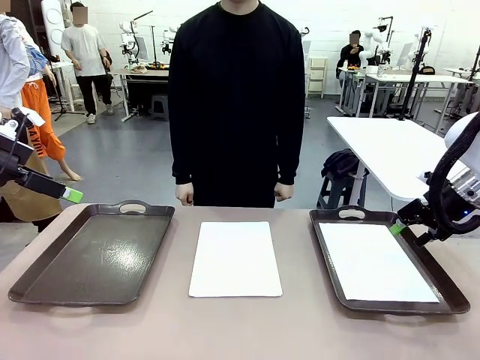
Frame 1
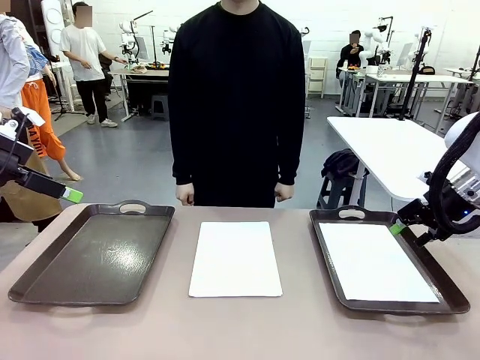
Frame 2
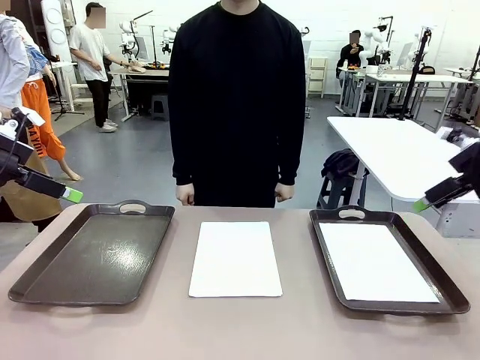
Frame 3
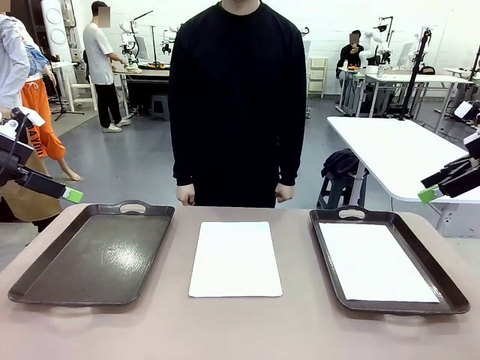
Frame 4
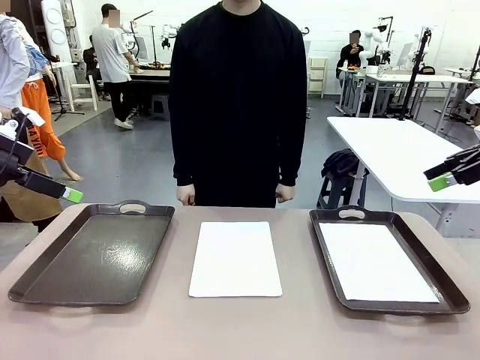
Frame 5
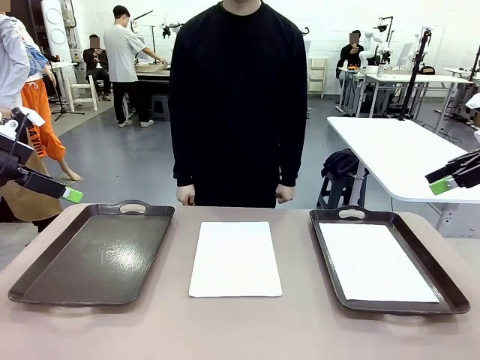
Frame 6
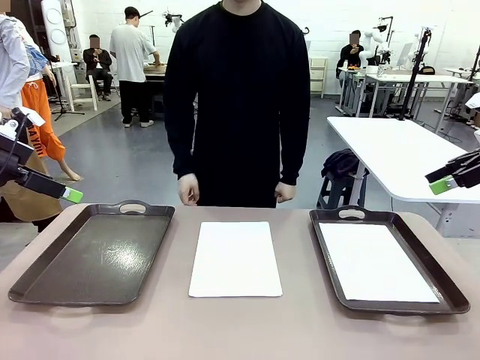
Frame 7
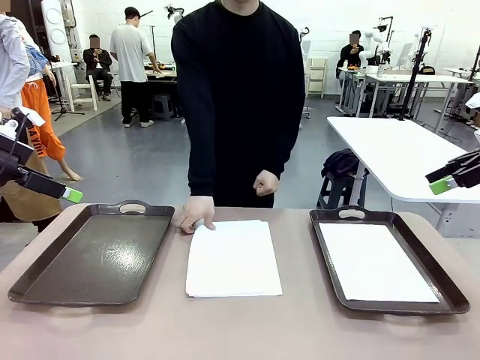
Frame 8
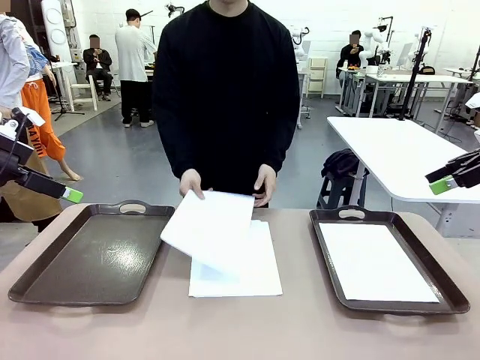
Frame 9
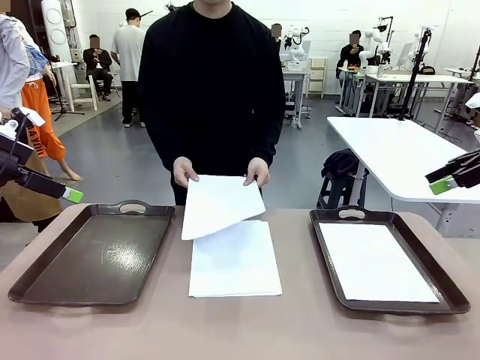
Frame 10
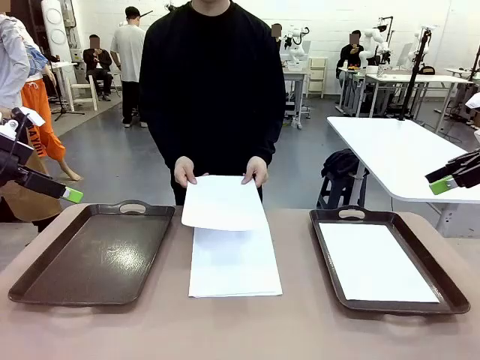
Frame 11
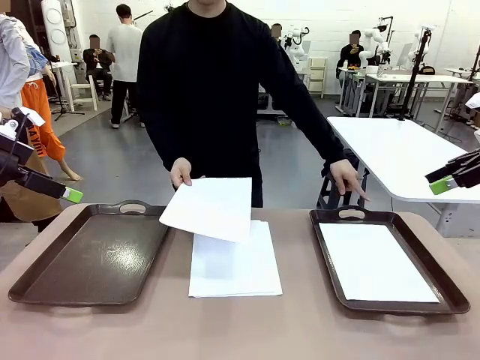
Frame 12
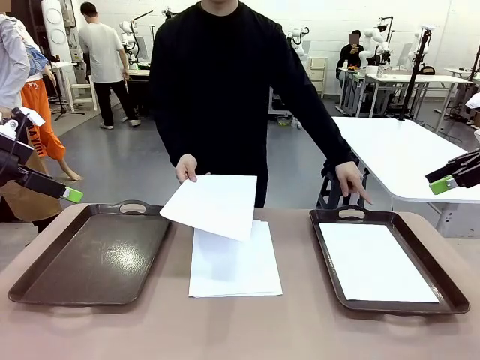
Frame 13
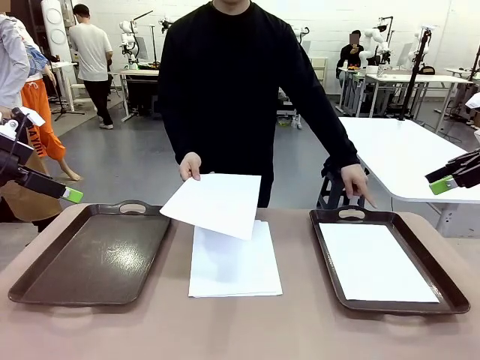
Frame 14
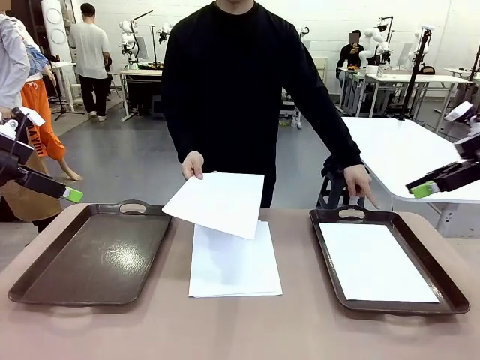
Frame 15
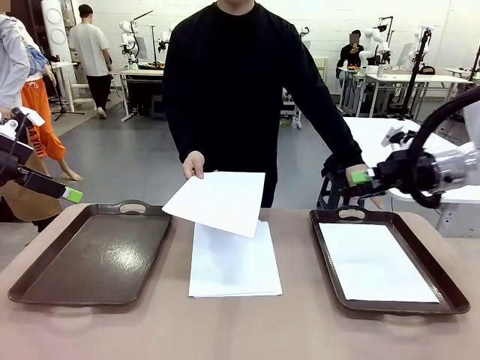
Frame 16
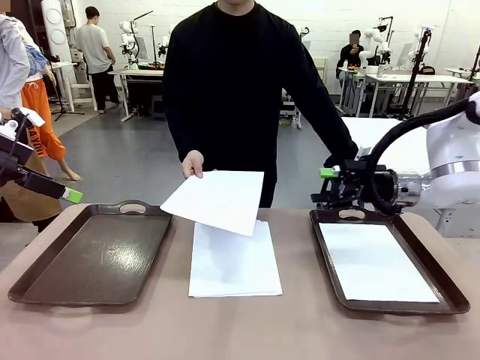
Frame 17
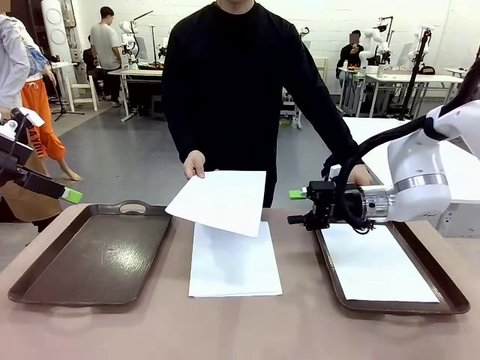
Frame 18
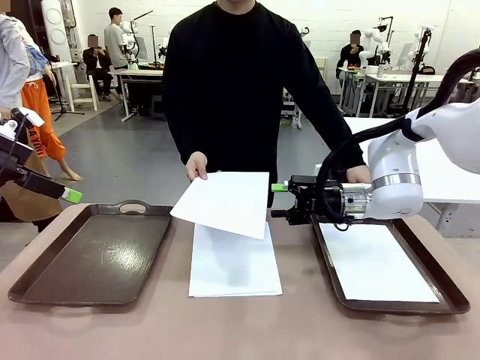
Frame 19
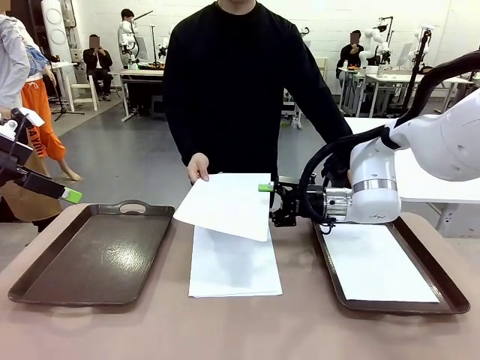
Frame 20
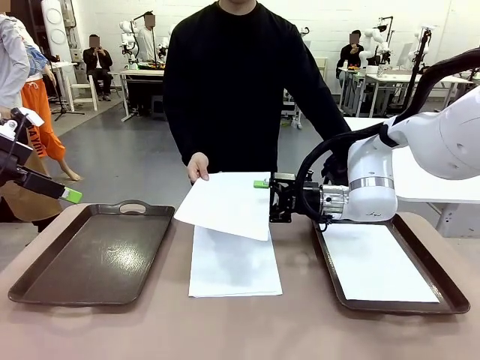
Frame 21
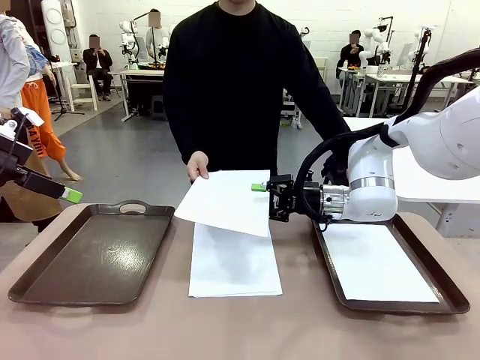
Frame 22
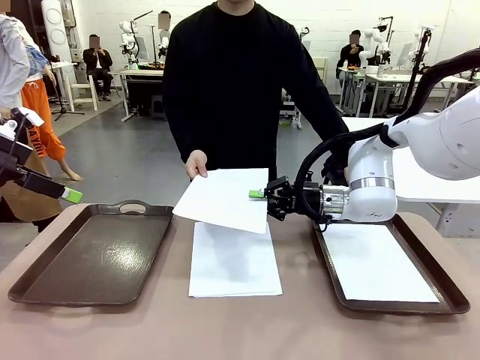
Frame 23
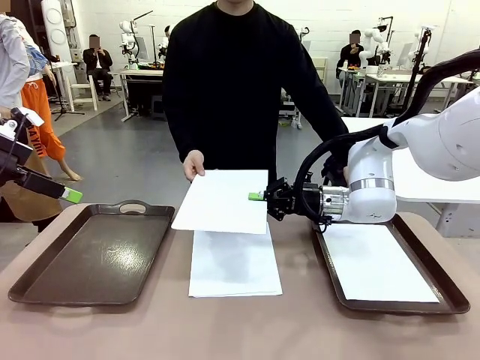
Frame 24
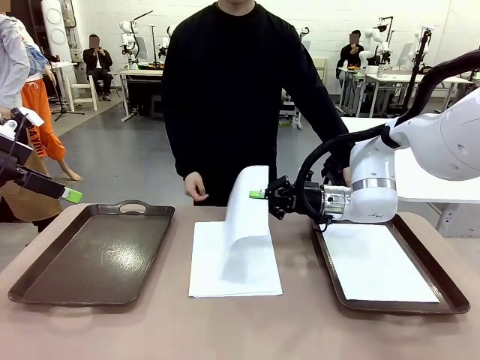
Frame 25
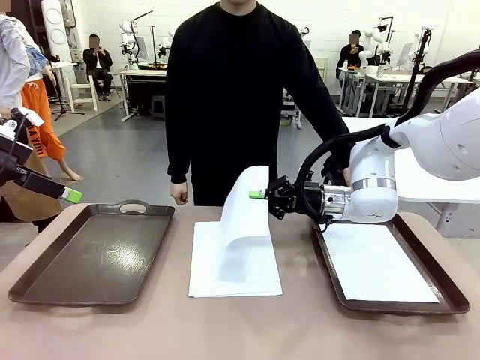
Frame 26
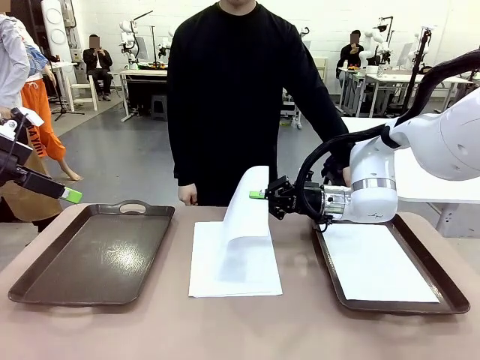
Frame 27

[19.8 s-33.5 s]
Task: Sort the A4 documents.
Robot: Receive the A4 Paper.
Person: Point the randomly selected tray with the other hand.

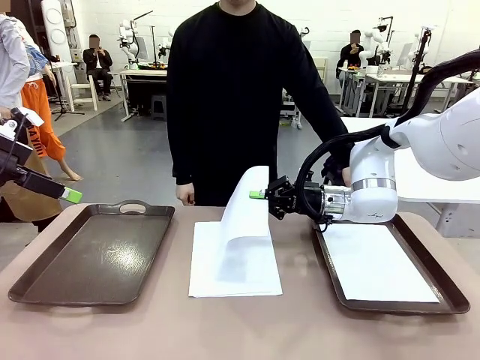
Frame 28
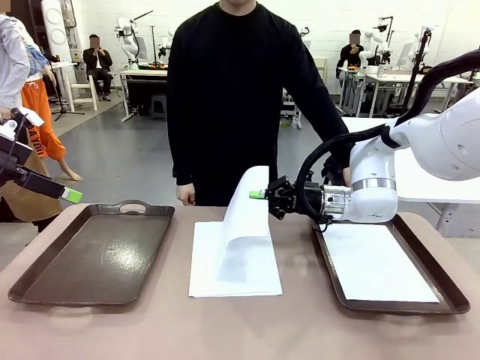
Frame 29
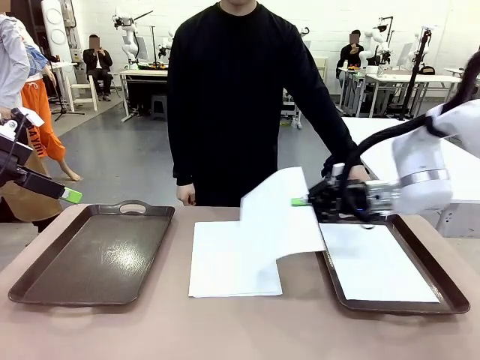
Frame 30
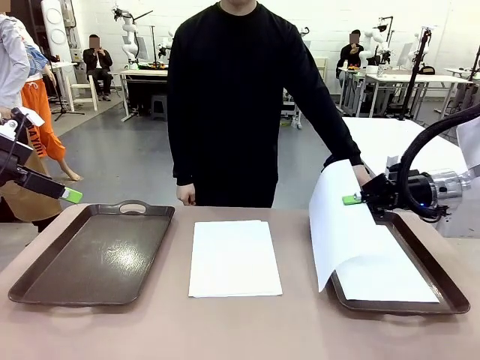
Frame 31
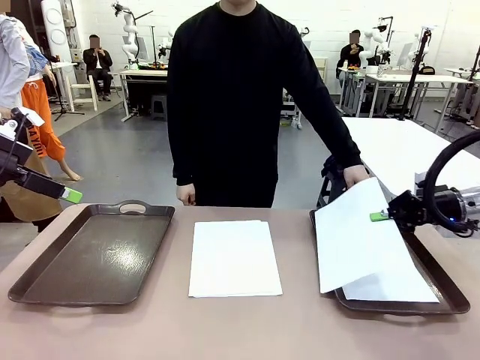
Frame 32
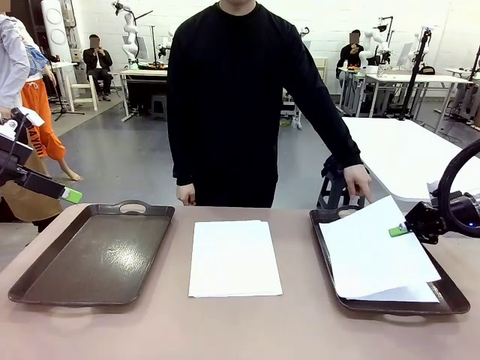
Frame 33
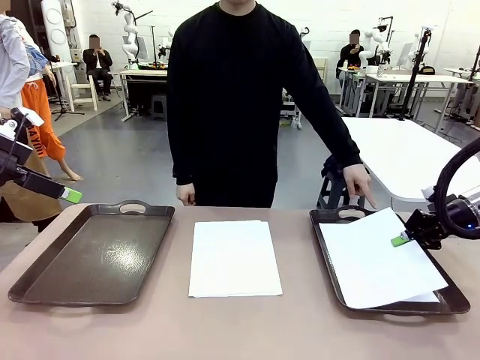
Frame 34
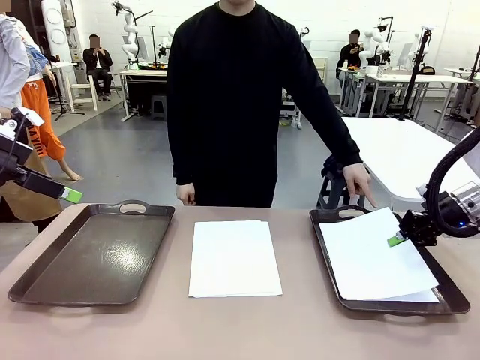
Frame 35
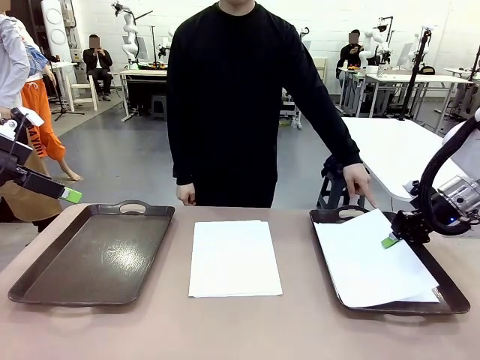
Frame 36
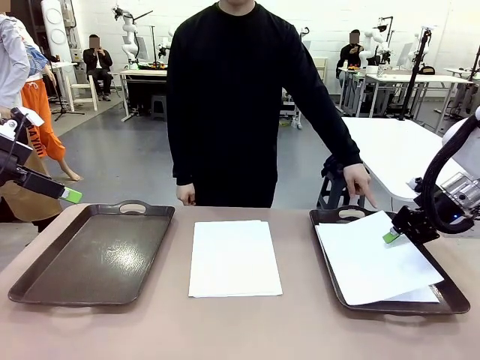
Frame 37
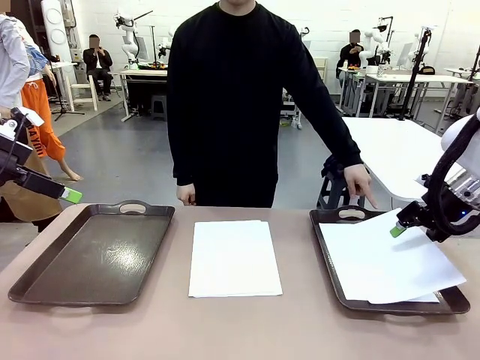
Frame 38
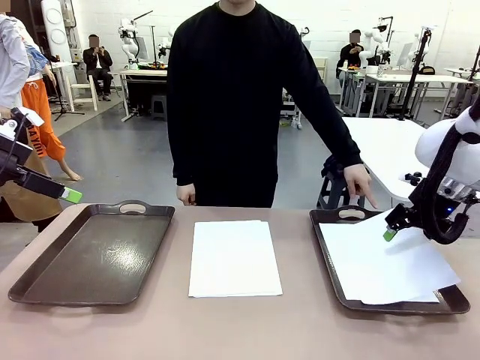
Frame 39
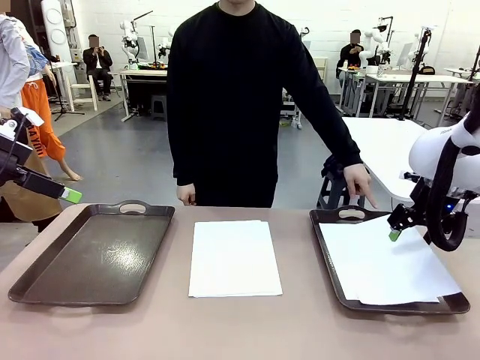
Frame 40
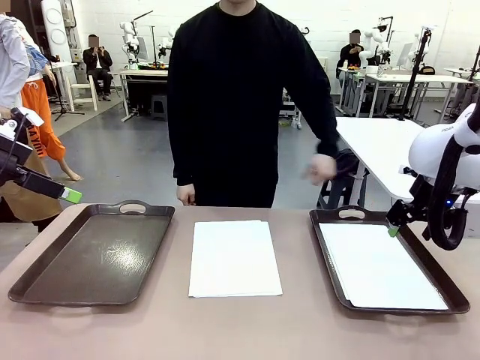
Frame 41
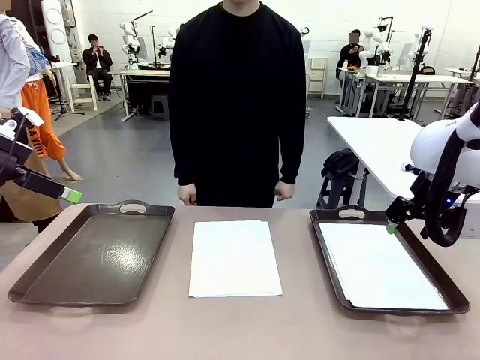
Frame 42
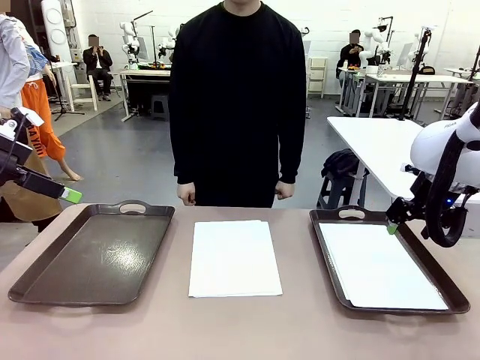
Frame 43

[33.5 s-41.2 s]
Robot: Place the A4 Paper in the designated Handle tray.
